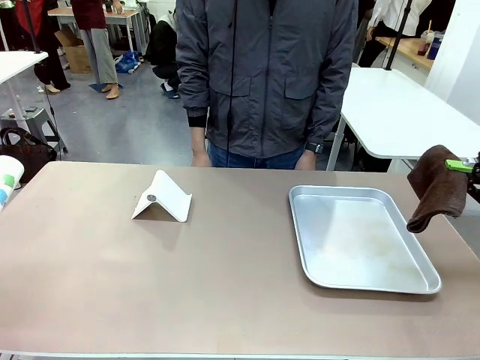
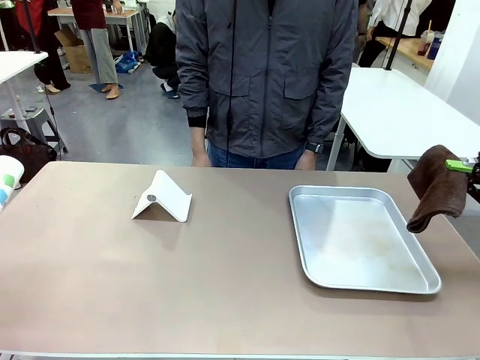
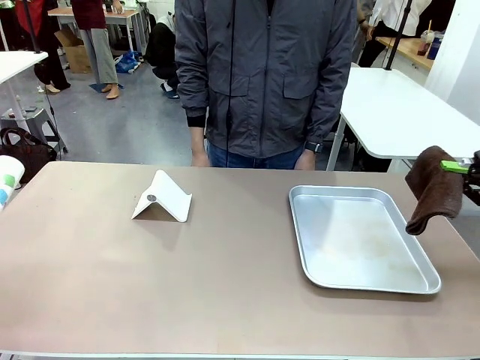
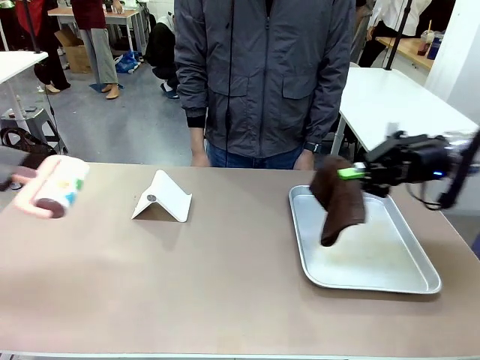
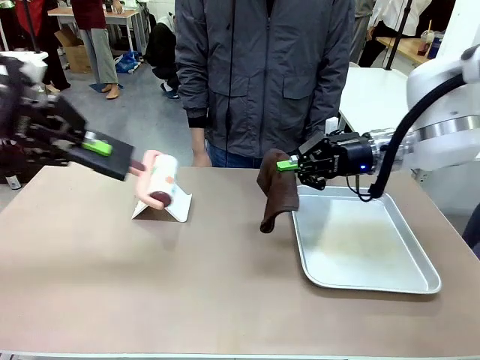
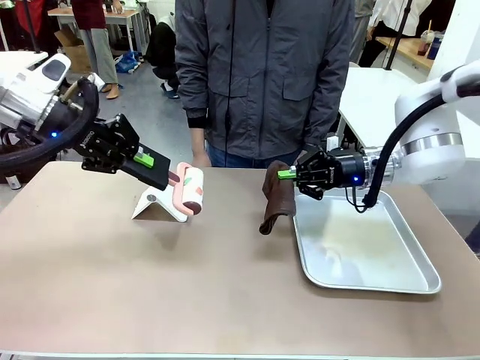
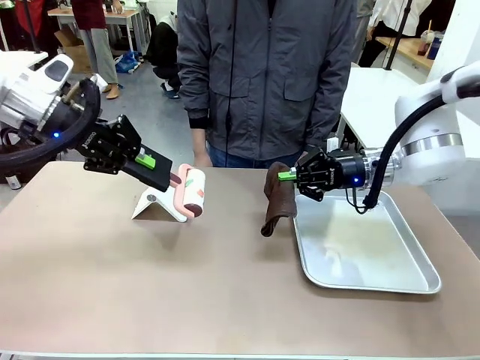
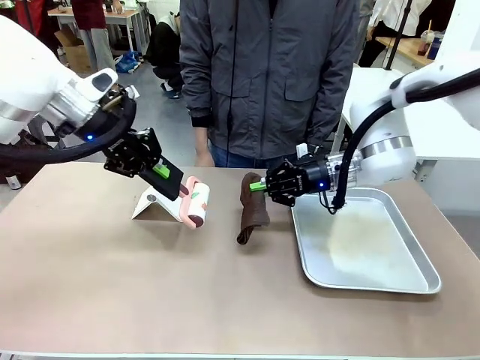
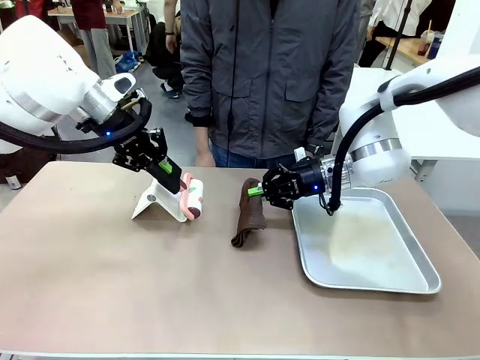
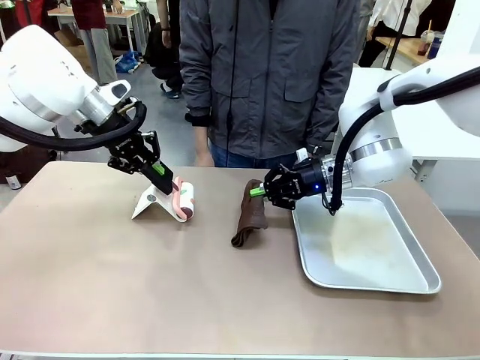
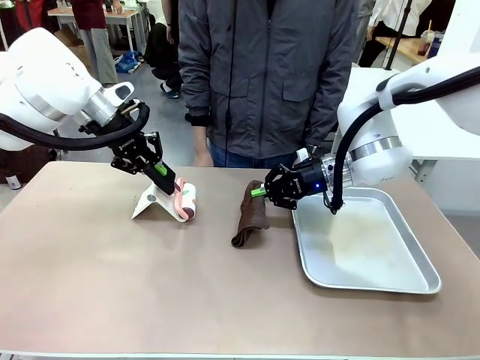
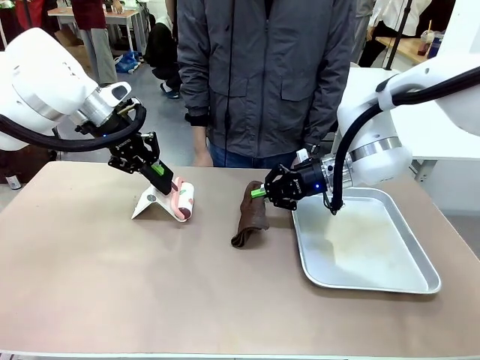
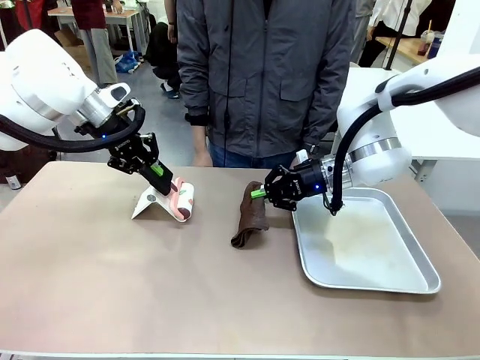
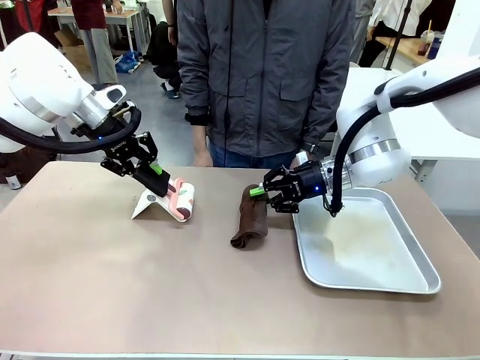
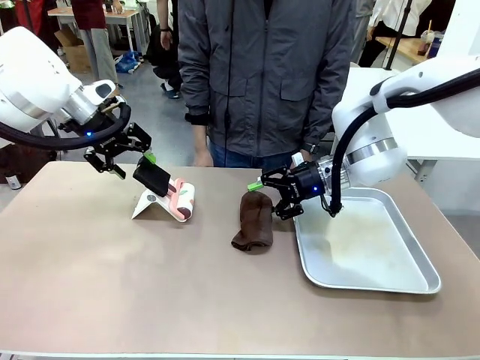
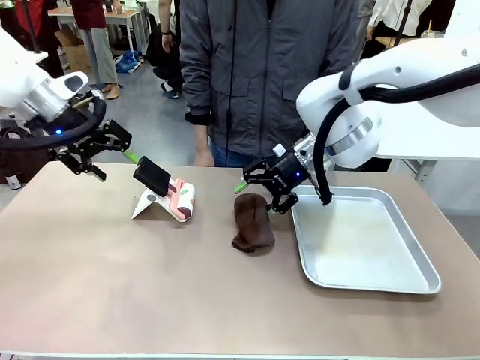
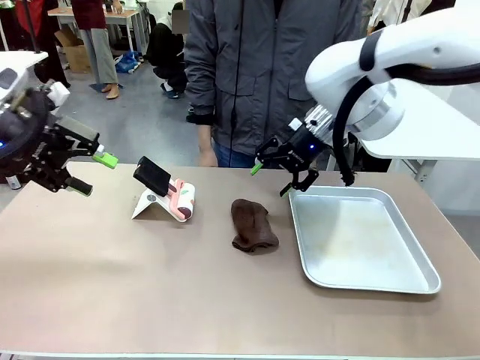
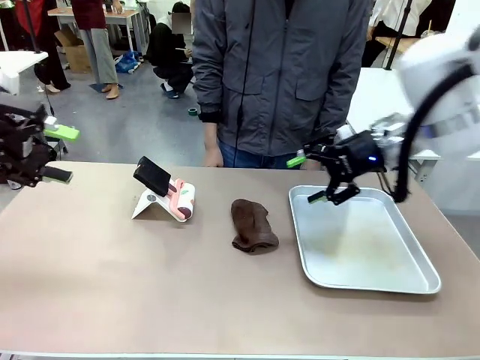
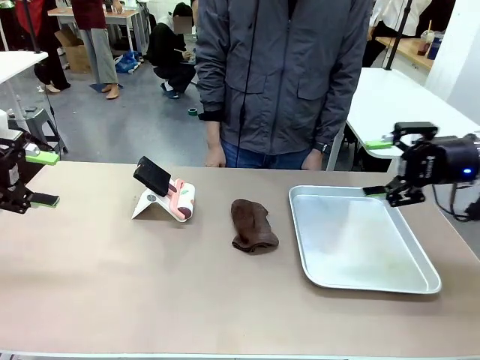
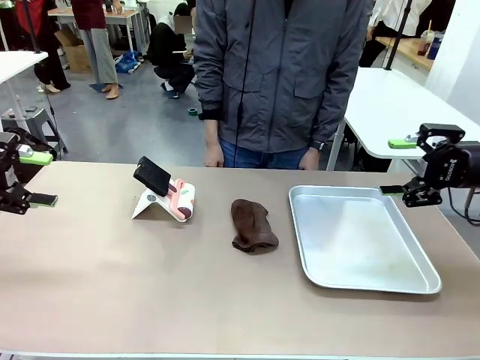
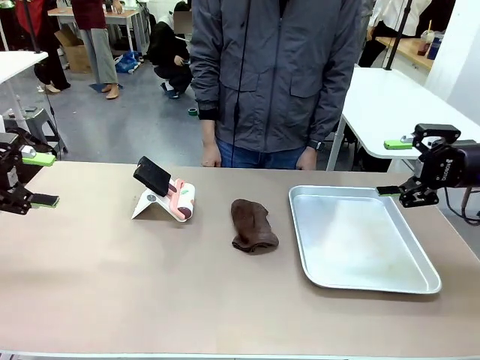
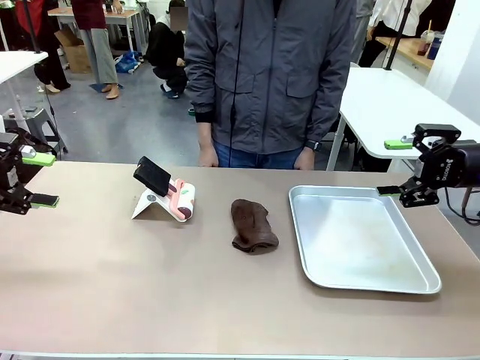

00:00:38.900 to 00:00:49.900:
Task: Clean the surface of the table.
Robot: Return the Lint Roller and towel to their original positions.

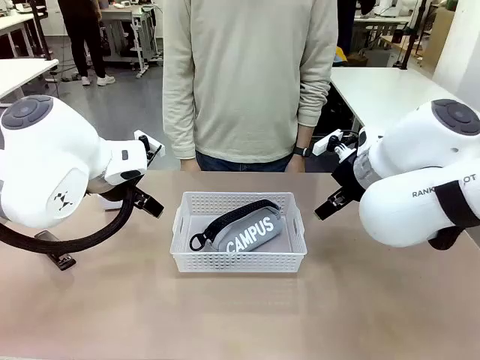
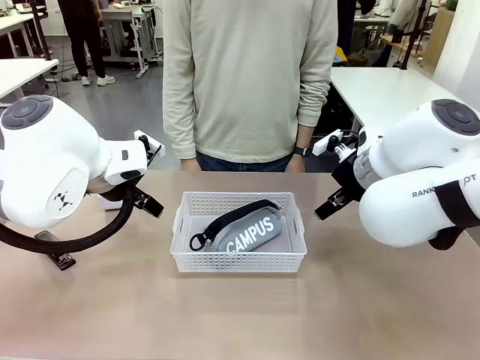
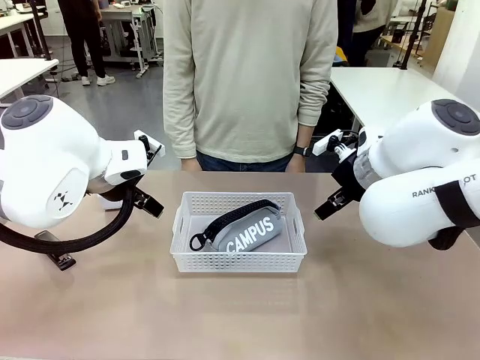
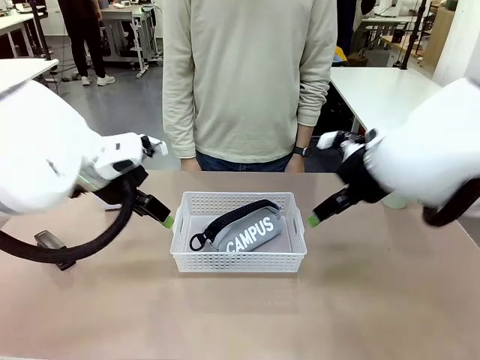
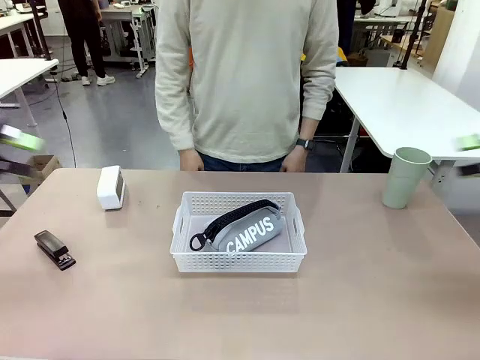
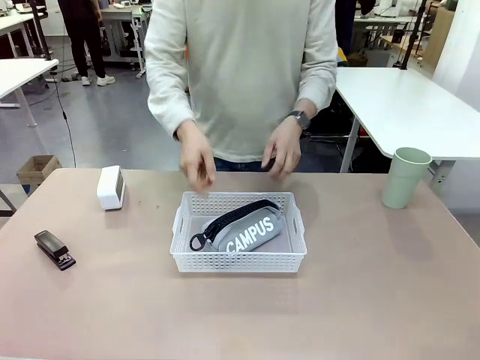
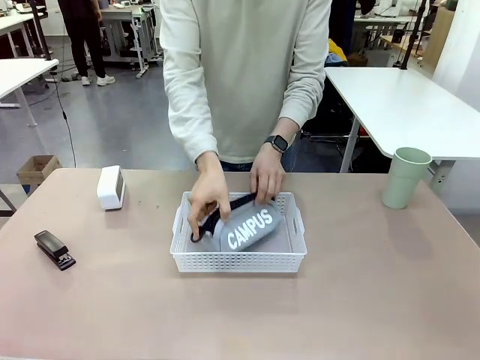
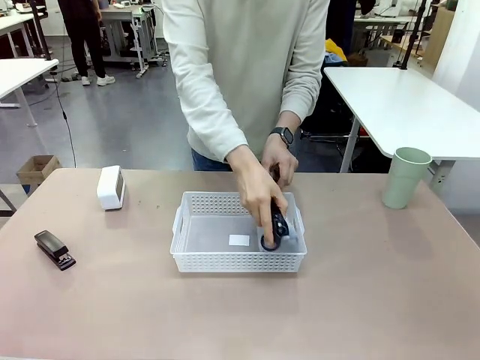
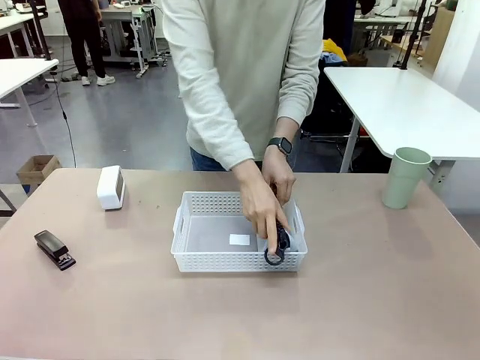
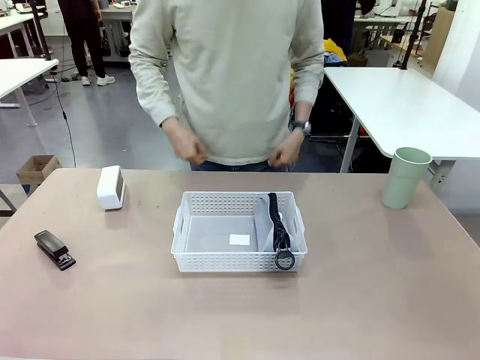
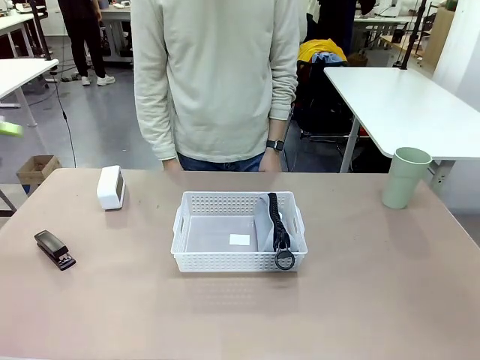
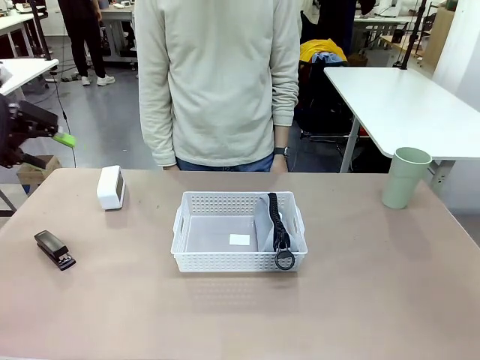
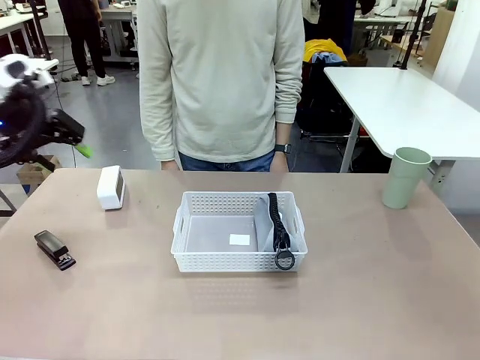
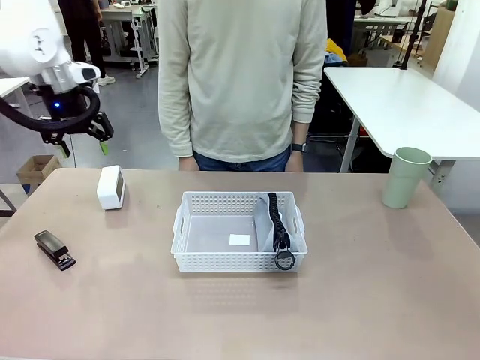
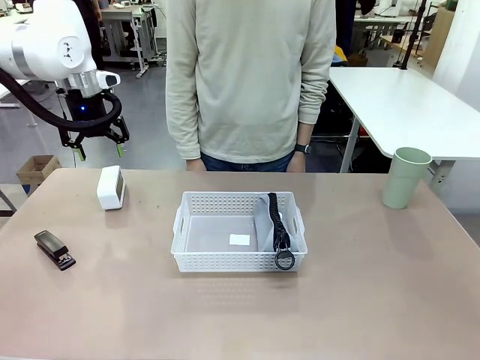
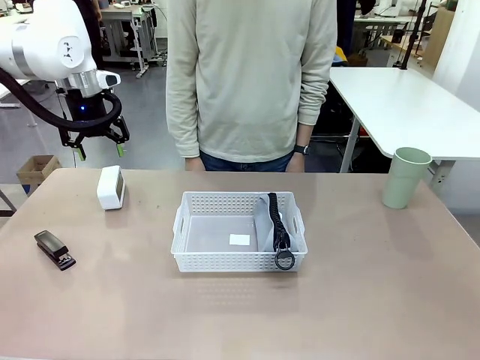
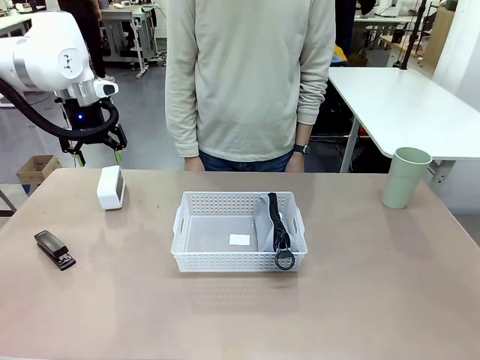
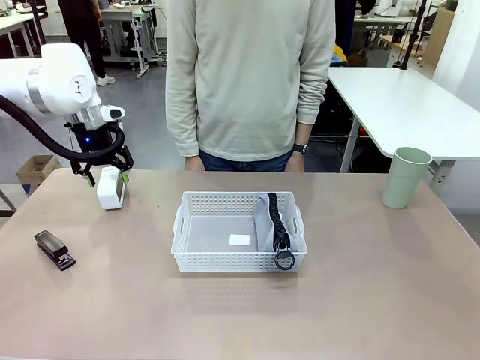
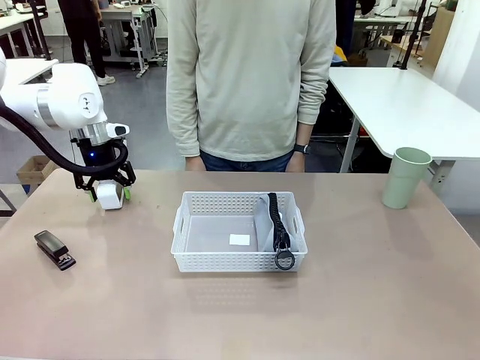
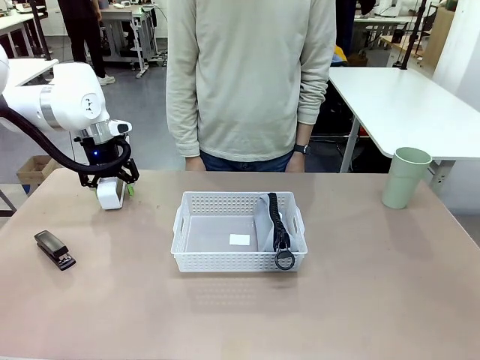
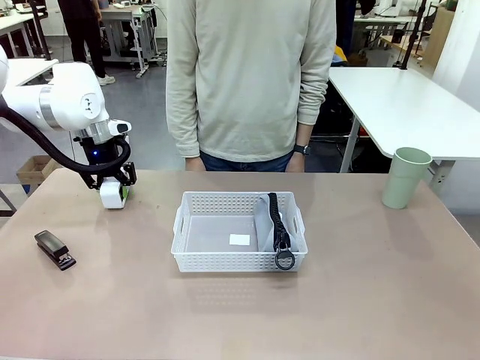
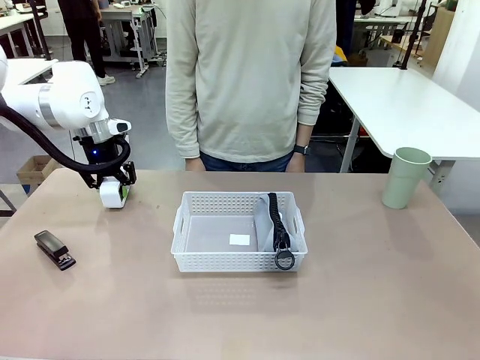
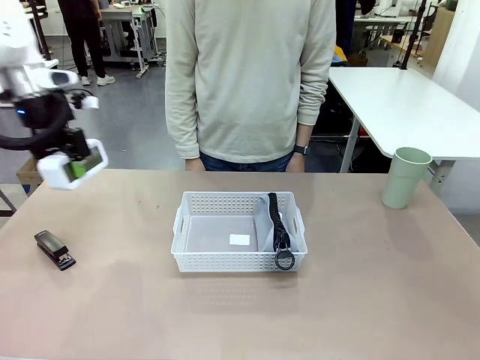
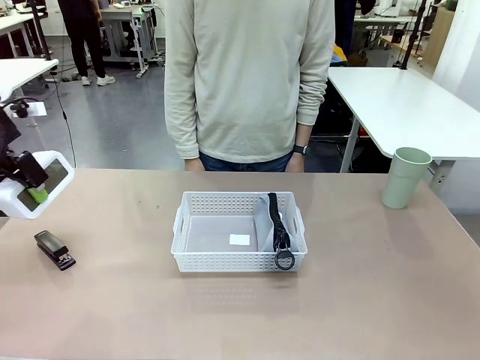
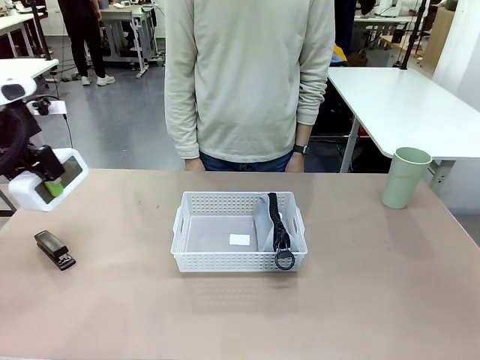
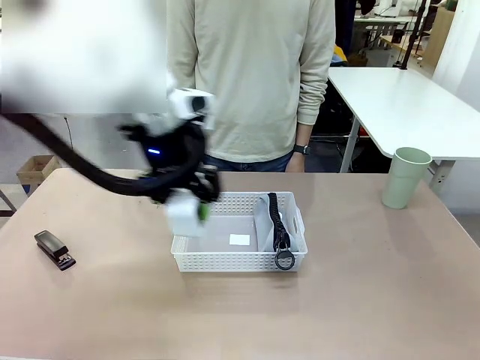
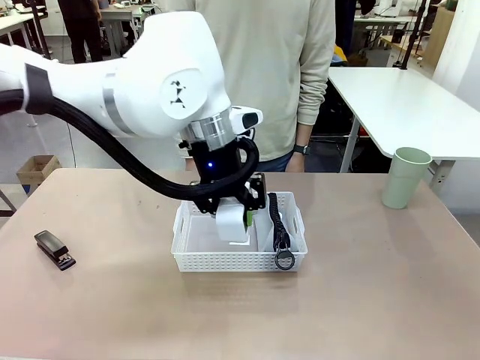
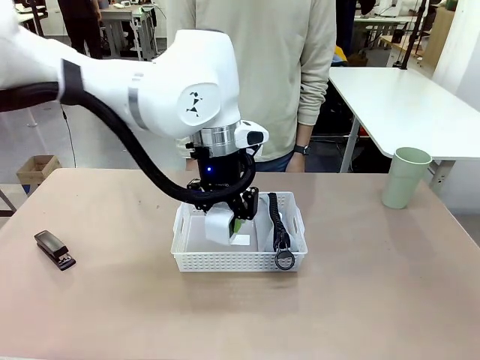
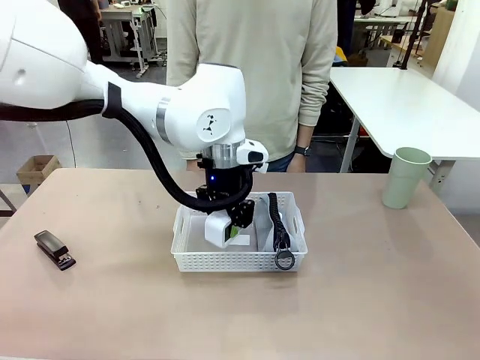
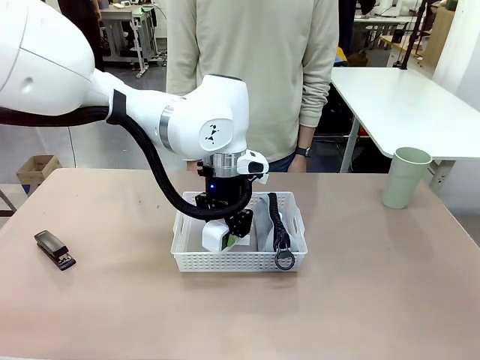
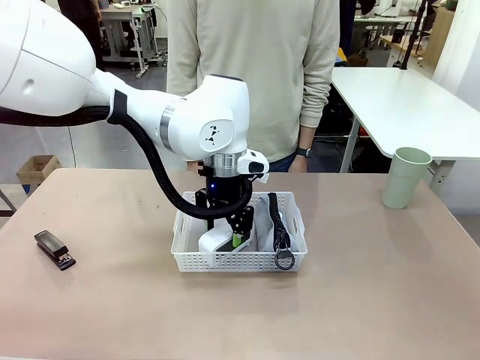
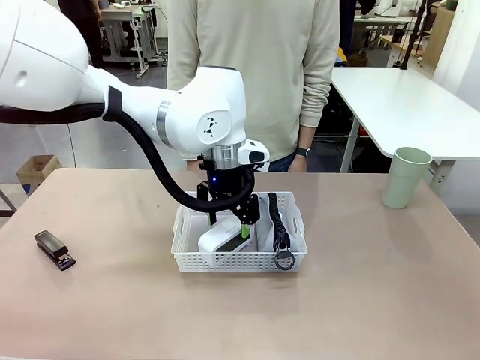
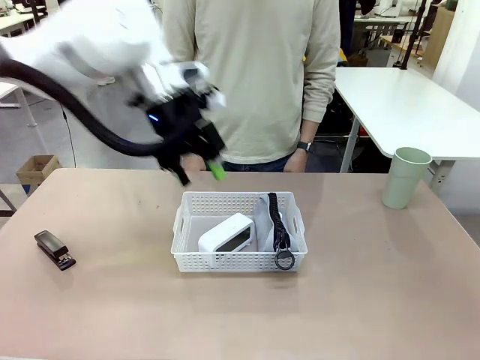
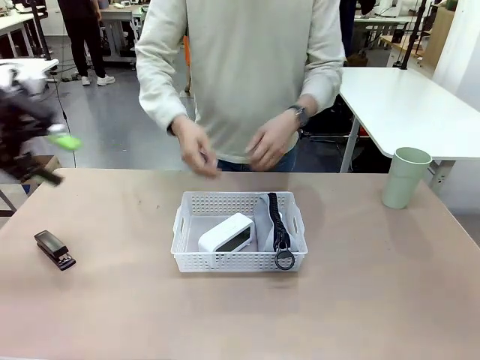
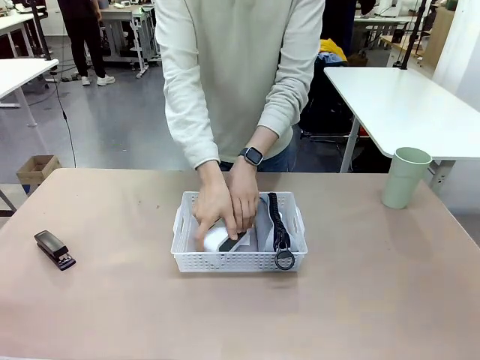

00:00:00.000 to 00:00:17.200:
Task: Efficiently arrange items inside the basket to fit them all.
Robot: Pick up the Digital clock and place it inside the Organizing basket.
Person: Repositions the pencil case. Repositions the digital clock.
